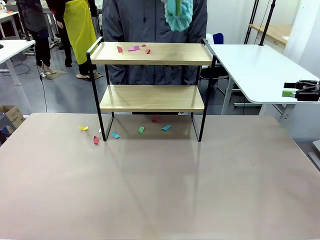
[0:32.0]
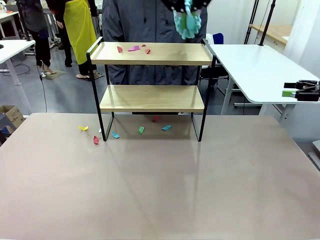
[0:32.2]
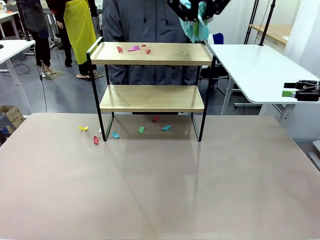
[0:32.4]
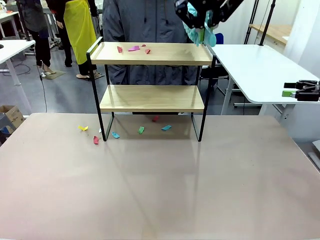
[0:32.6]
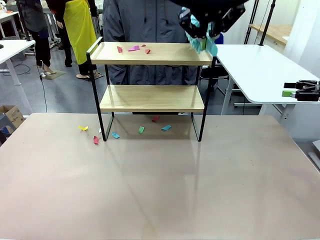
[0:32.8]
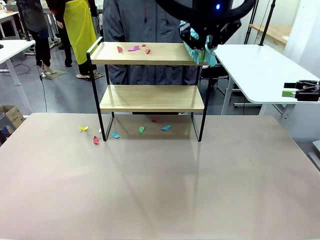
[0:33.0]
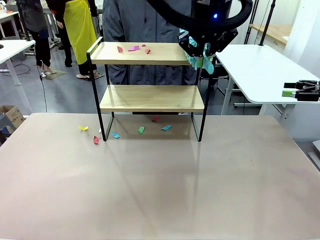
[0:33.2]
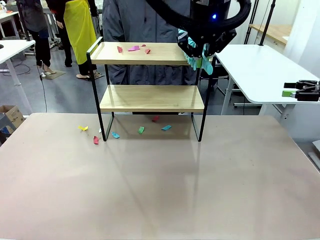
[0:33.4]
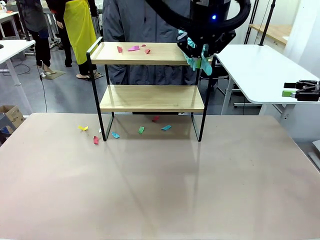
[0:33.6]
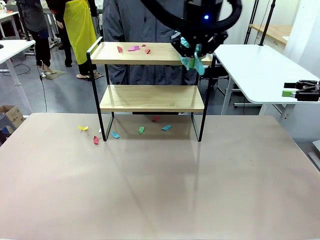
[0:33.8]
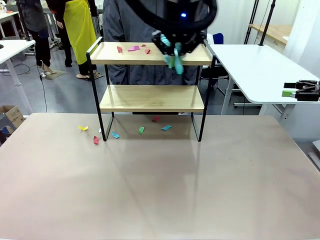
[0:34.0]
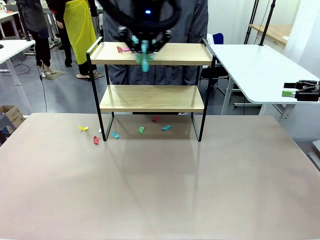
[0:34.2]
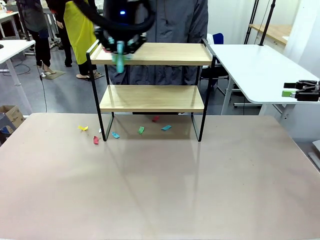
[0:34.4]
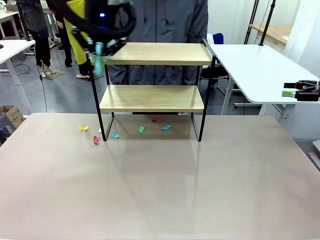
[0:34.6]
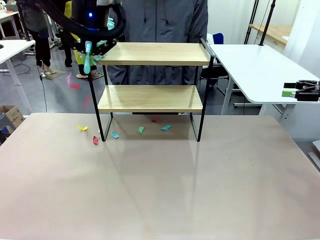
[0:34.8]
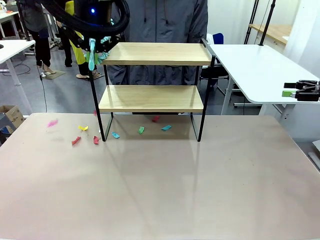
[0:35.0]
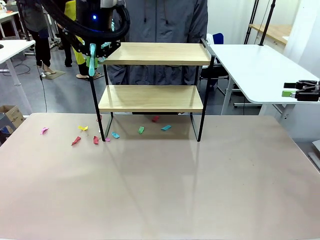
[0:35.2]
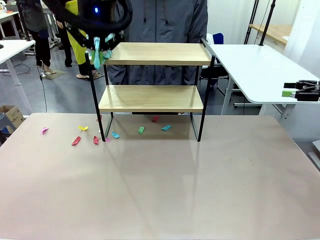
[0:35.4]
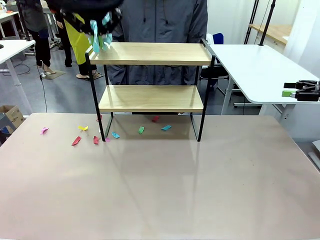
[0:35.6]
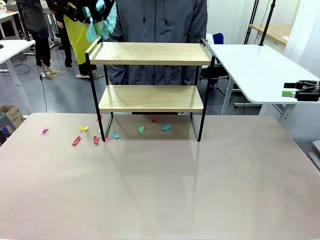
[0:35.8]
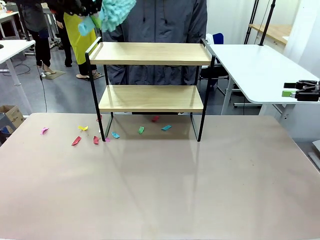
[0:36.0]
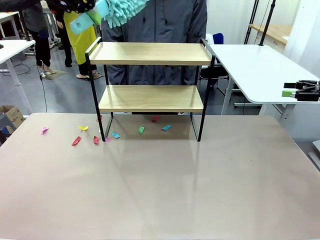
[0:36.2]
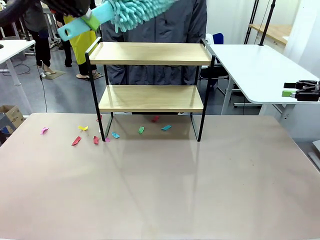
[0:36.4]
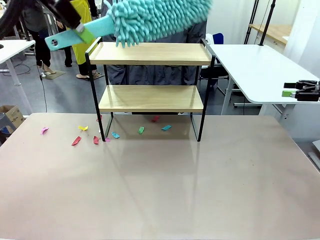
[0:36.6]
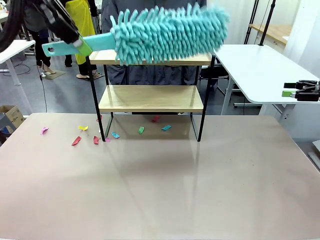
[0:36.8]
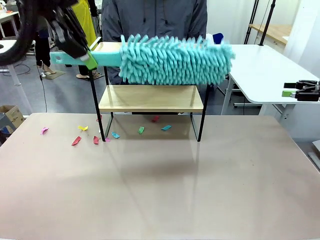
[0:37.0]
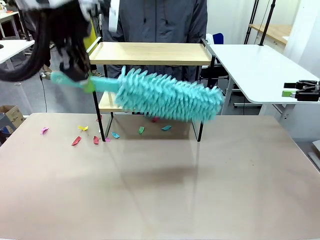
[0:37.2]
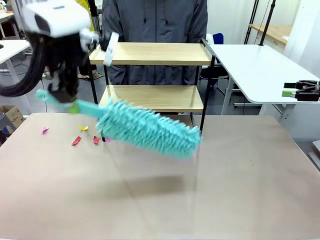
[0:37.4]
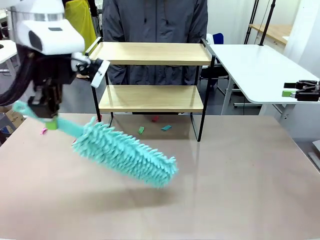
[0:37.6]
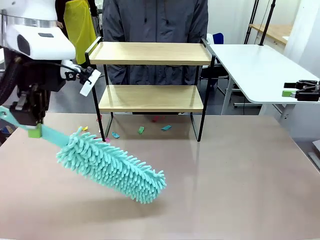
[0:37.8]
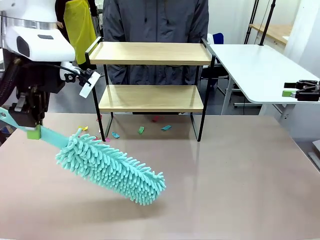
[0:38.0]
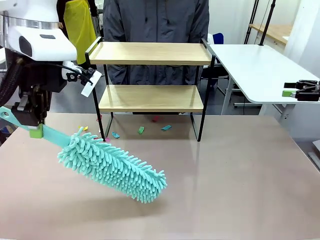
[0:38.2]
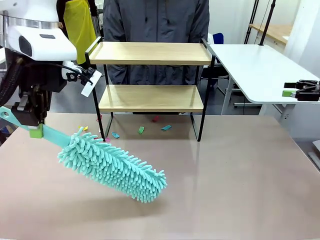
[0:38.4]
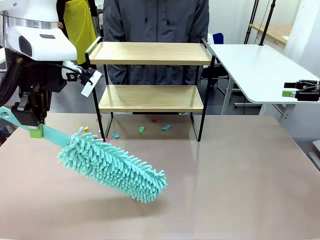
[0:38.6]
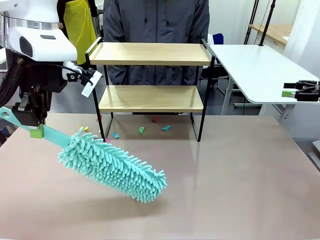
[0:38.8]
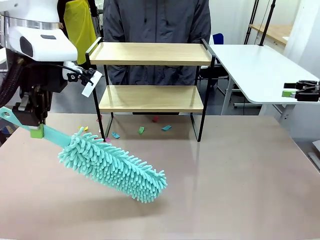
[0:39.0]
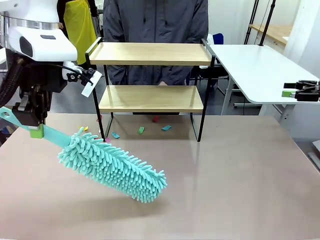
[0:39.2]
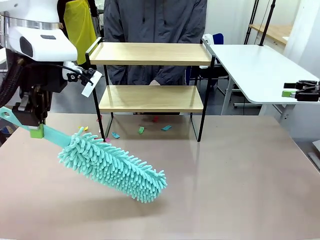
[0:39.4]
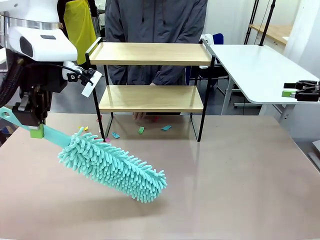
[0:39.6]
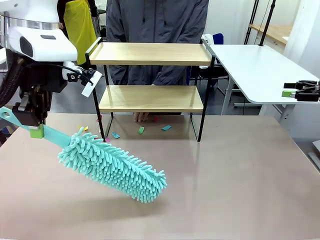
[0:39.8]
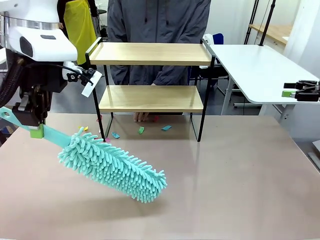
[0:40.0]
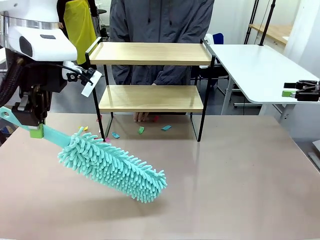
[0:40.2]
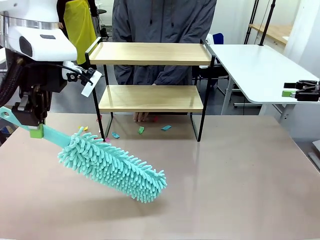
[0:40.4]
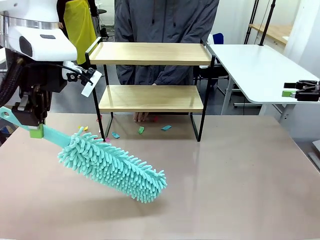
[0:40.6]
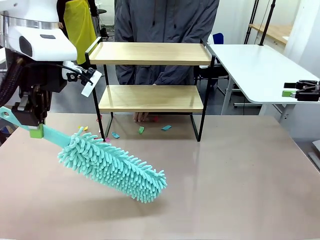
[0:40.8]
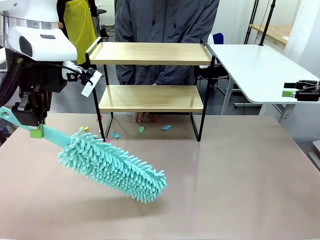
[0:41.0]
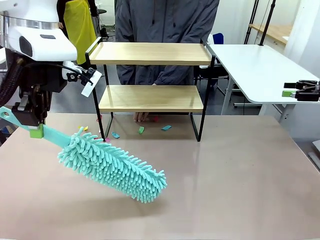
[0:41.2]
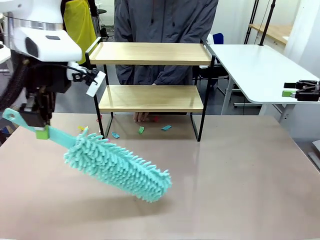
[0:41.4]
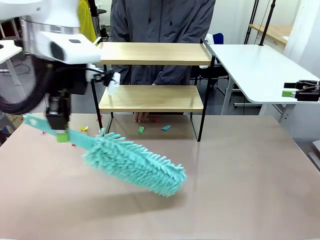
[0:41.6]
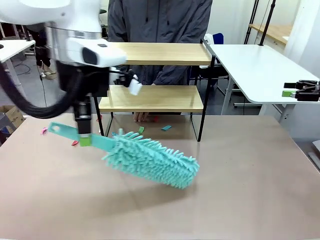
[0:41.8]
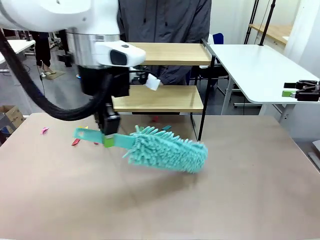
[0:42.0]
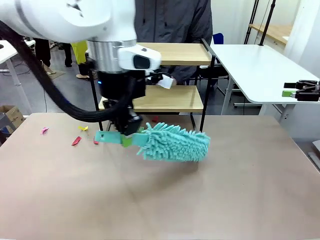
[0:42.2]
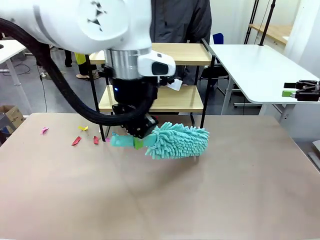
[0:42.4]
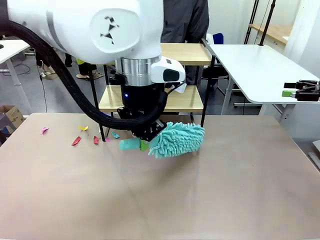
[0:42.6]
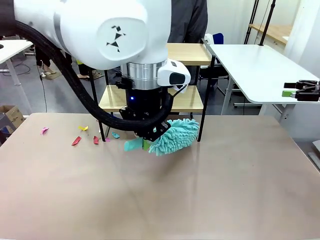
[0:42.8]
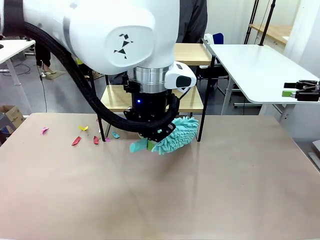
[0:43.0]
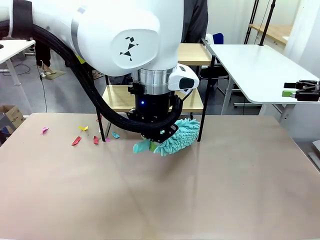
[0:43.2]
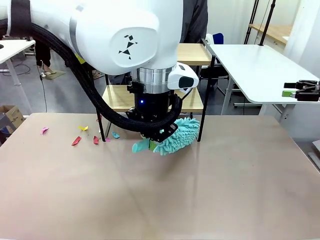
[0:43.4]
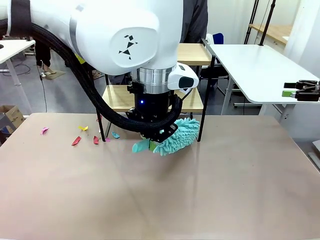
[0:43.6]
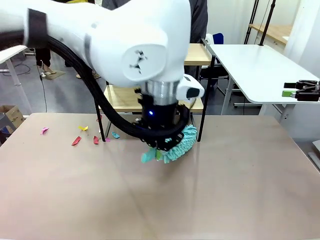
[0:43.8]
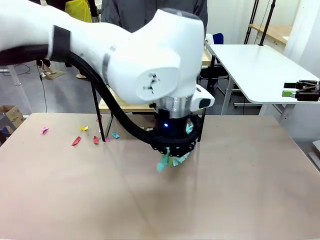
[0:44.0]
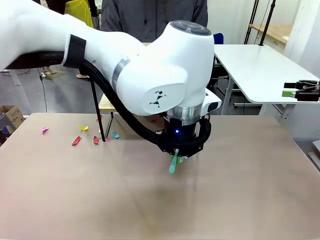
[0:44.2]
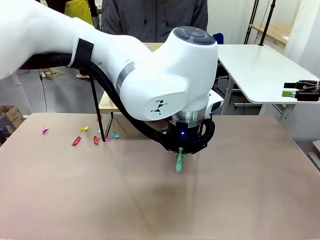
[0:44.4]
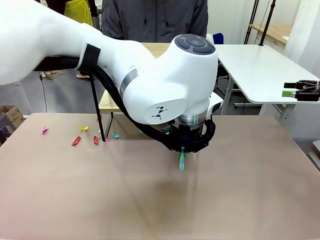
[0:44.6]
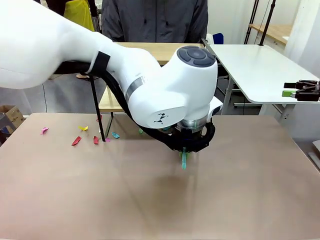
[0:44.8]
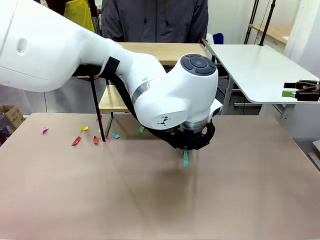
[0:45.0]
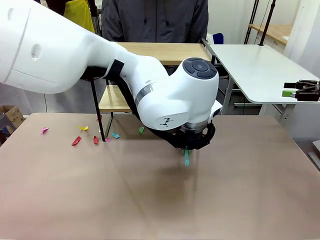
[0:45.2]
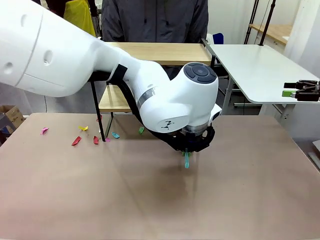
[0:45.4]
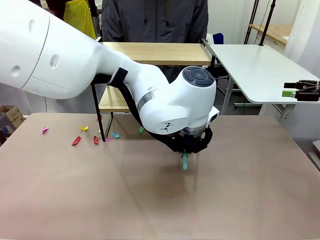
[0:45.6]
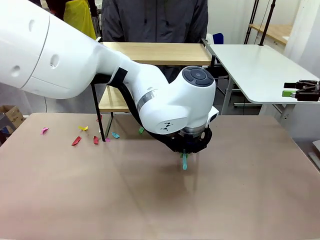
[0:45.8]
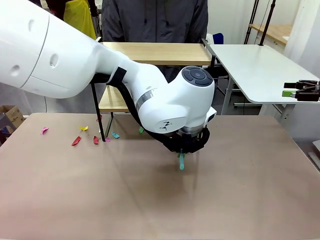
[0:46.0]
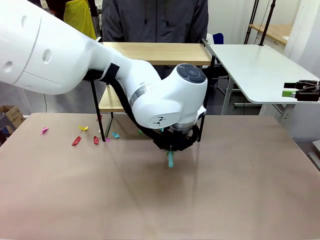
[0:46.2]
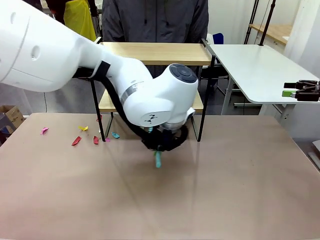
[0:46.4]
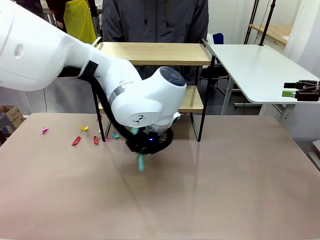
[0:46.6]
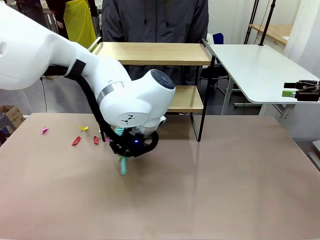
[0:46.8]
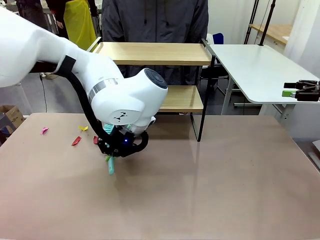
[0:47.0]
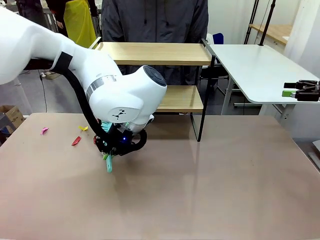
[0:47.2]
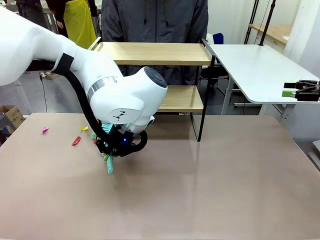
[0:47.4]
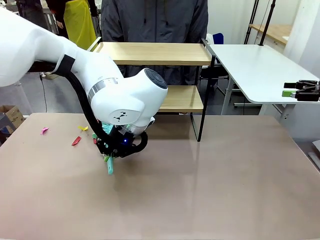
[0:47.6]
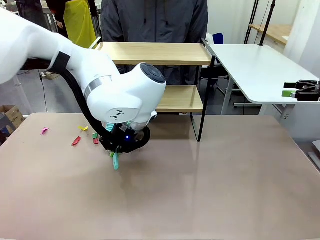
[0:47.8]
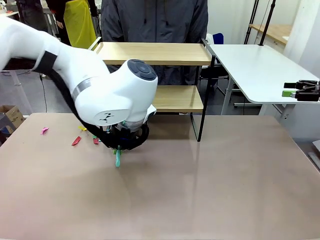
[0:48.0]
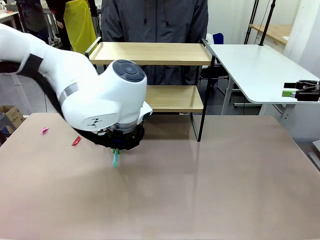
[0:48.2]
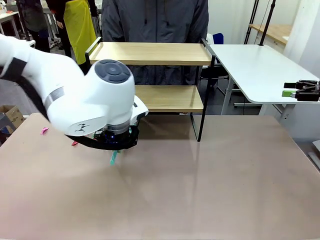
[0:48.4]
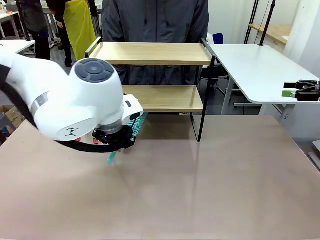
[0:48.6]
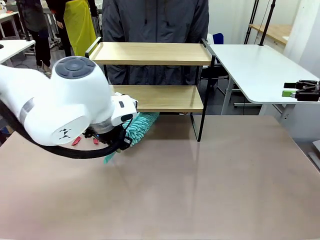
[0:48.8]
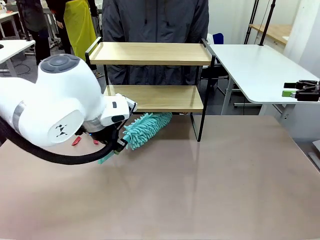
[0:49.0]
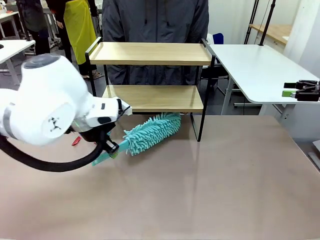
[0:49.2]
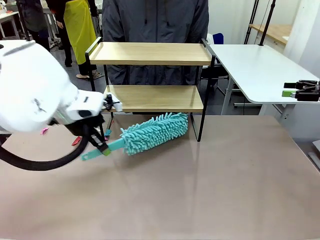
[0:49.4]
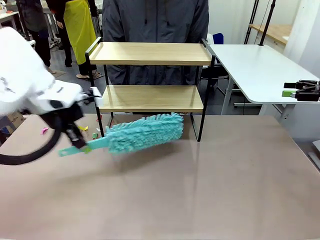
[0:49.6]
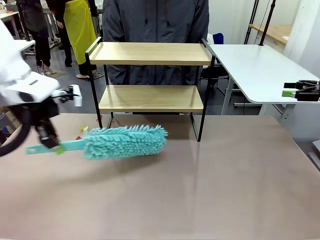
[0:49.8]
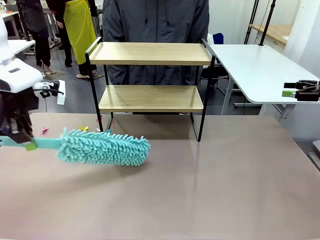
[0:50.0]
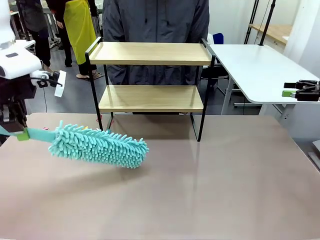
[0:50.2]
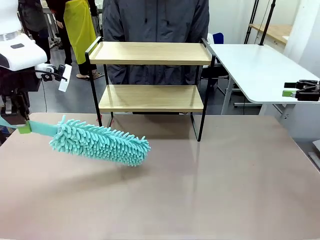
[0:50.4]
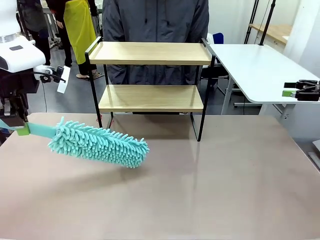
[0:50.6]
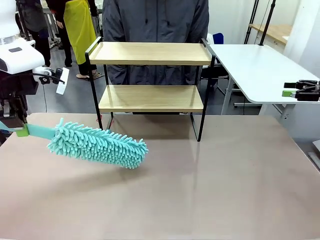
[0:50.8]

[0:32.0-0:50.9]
Task: Clean the shelf.
Robot: Clean the specific section of the Shelf indicated by the human with the Duster.
Person: Point a remaining section of the Shelf.
